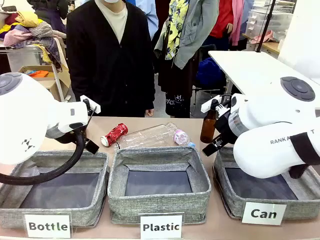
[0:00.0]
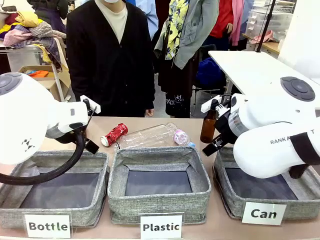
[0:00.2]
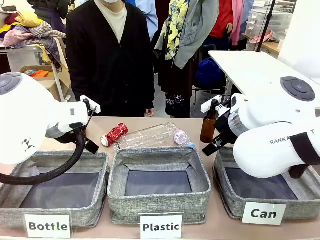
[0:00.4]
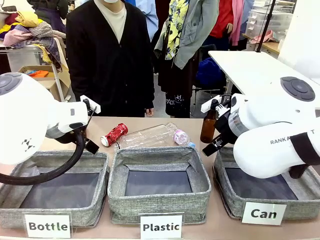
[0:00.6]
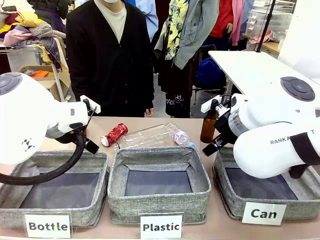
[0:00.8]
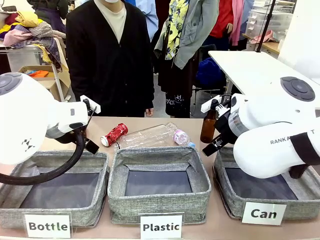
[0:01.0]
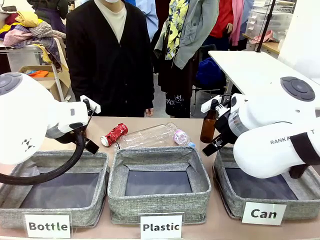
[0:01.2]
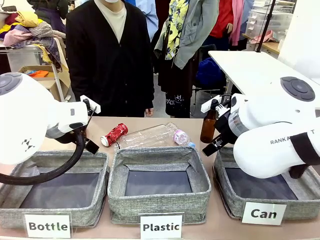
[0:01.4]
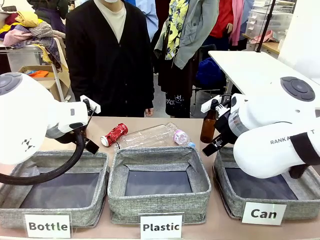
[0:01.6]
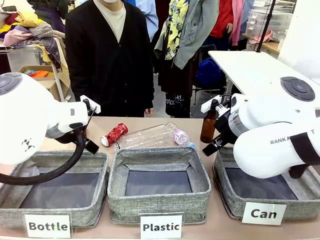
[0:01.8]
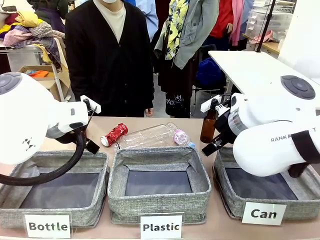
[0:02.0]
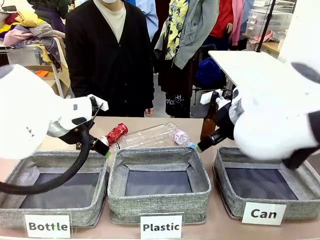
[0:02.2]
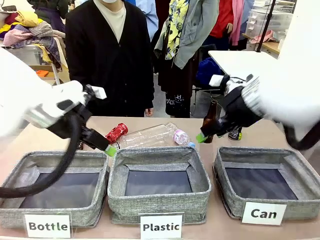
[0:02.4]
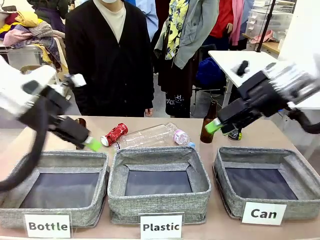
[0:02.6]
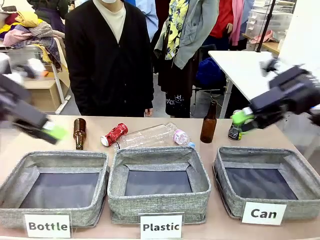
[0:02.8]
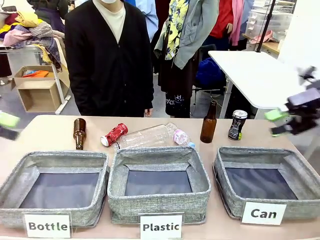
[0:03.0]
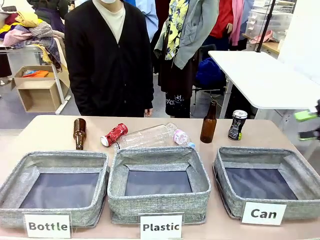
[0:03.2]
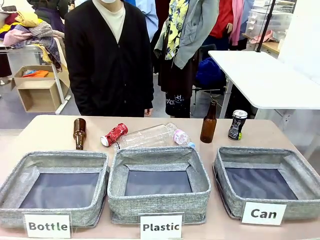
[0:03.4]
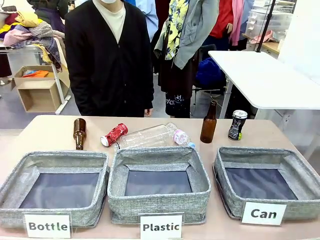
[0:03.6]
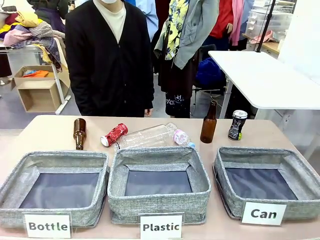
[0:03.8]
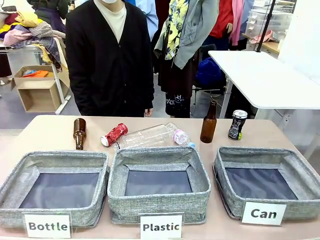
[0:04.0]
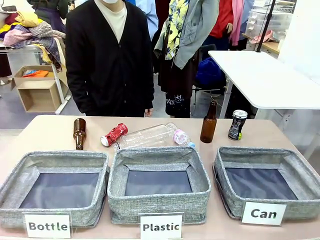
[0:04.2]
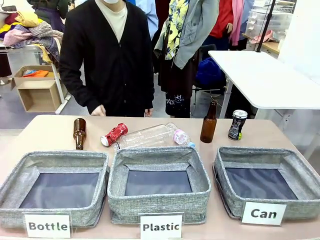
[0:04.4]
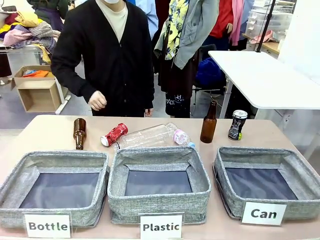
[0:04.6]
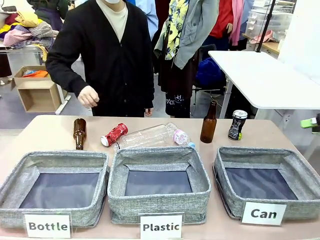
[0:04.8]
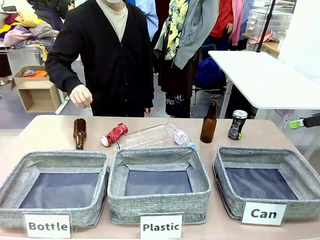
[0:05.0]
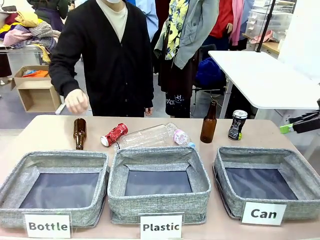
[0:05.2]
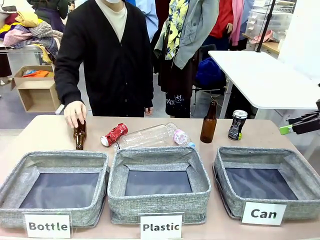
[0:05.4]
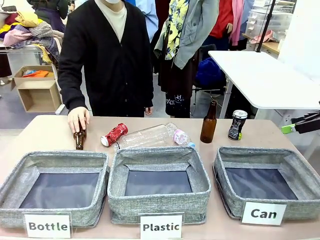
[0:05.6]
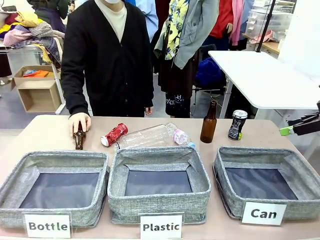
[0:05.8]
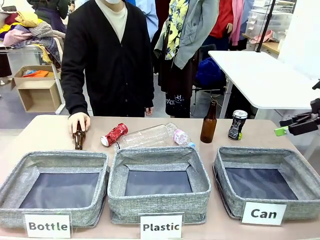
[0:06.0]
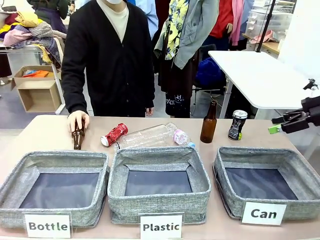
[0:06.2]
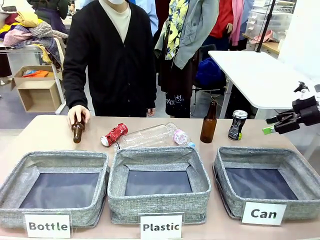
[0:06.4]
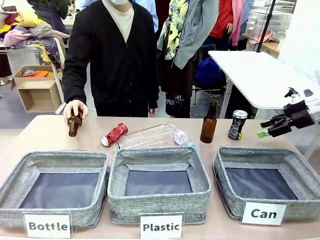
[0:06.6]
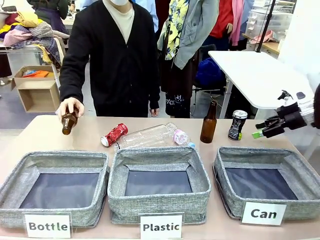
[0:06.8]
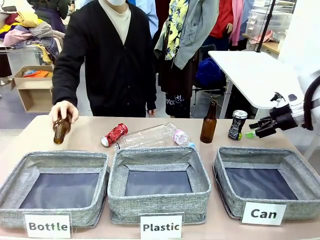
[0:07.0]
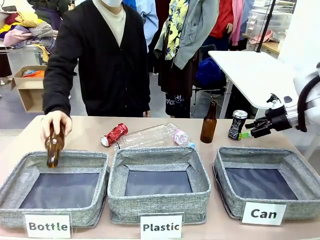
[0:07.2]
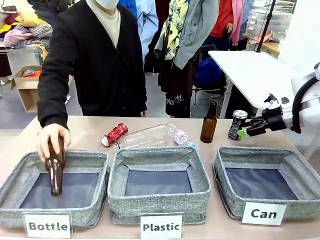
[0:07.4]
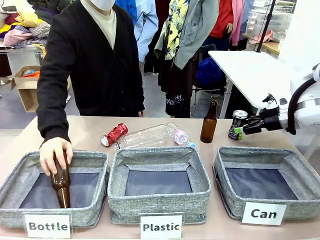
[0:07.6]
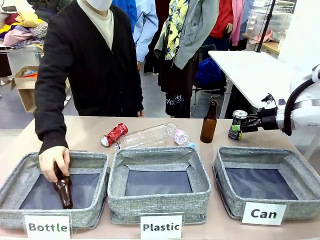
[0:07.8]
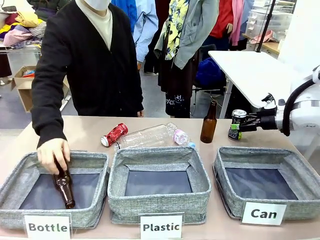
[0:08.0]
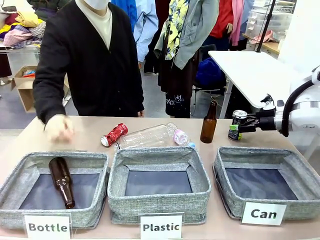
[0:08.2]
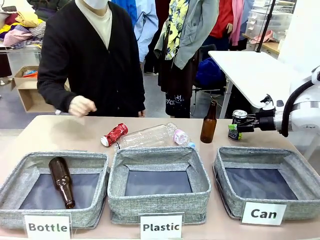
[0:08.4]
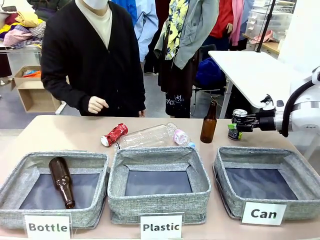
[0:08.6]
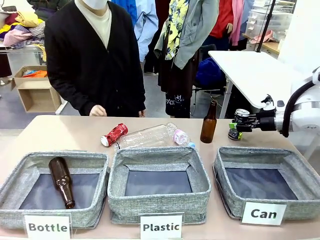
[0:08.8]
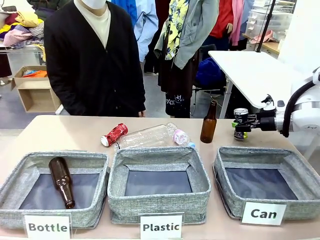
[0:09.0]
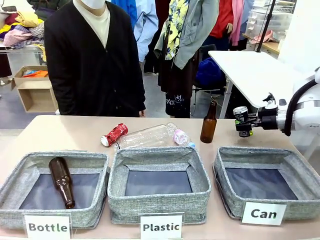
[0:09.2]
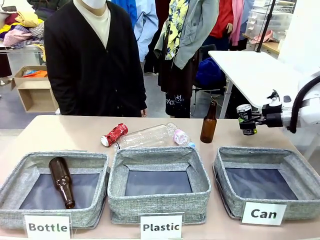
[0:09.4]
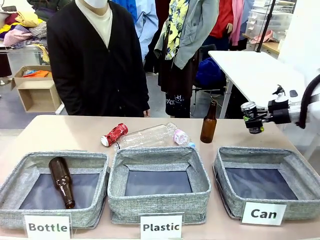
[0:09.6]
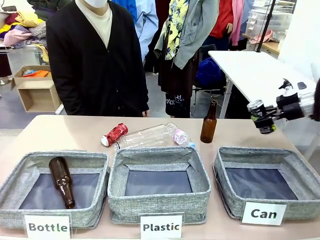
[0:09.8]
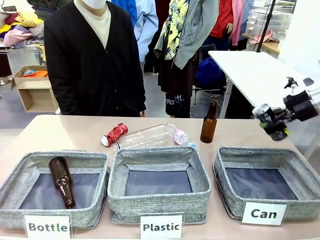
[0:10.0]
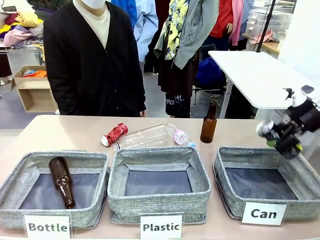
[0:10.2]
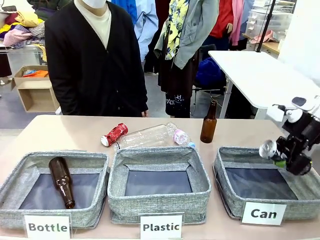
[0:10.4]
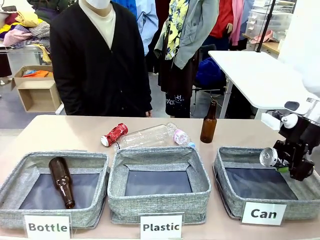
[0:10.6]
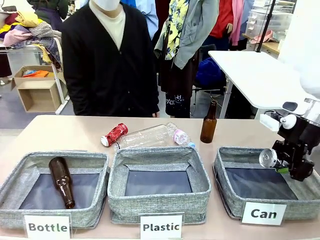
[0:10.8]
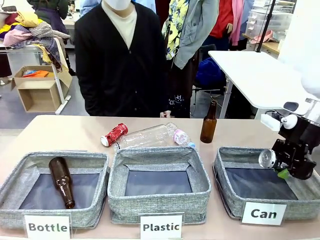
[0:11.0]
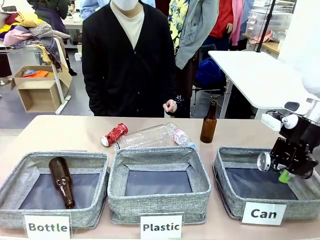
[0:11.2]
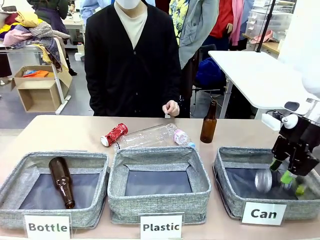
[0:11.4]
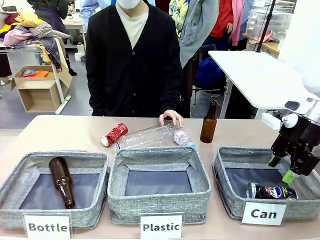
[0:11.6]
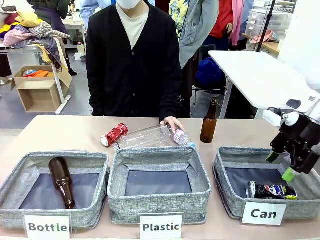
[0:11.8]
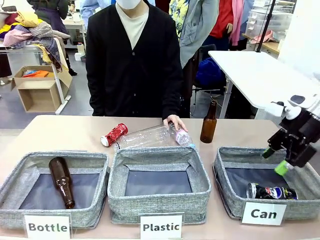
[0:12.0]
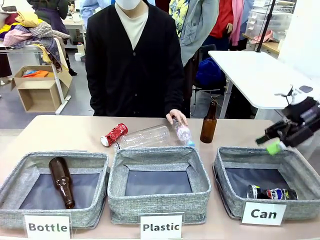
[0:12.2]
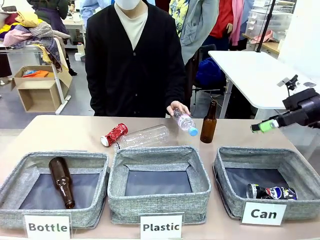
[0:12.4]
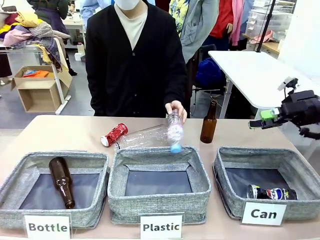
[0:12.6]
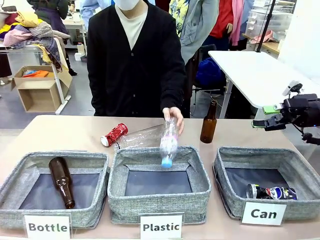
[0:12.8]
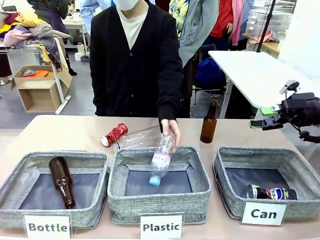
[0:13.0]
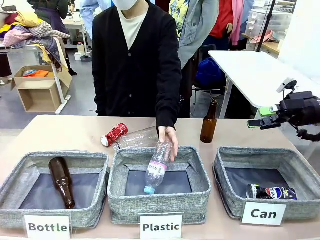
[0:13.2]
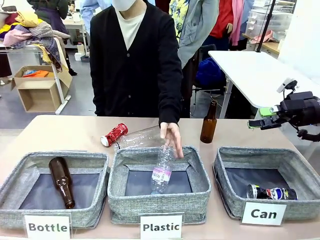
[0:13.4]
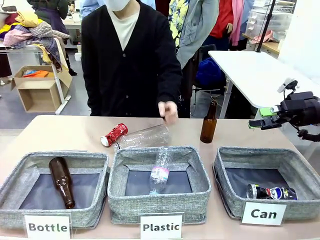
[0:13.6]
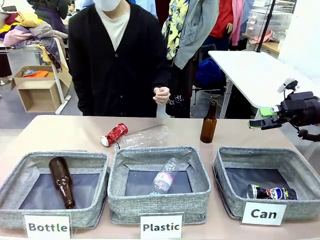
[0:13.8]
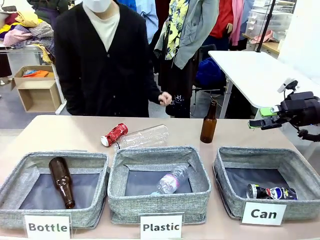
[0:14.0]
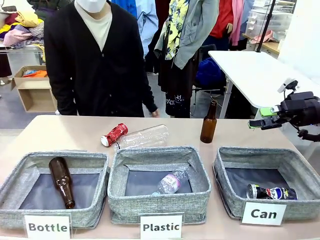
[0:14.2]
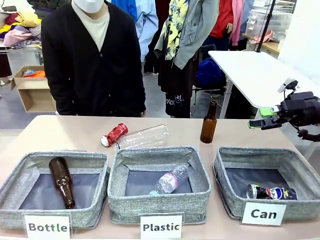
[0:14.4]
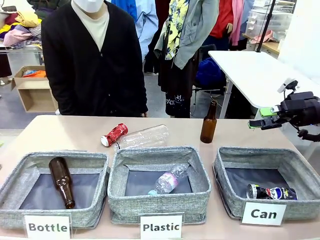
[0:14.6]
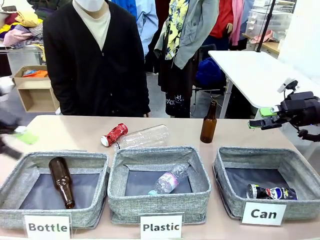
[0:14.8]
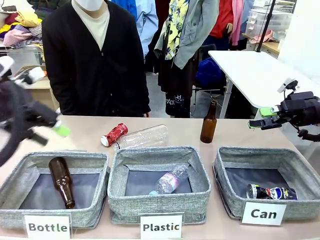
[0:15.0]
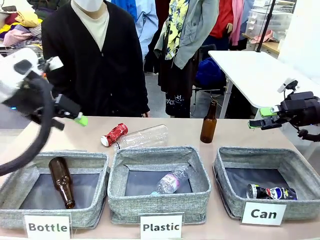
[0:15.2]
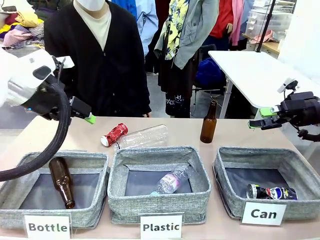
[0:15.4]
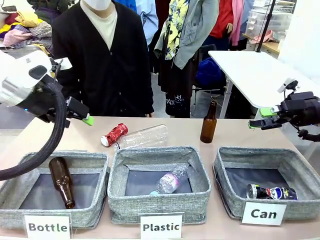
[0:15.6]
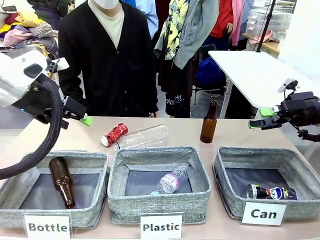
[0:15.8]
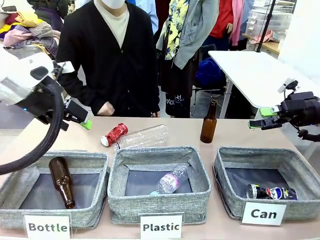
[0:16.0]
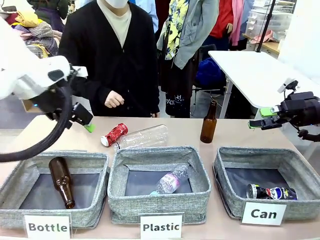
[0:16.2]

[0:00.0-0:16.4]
Task: Sort the can waste into the basket.
Robot: Pick up the can waste from the table and place it in the right Fabric basket.
